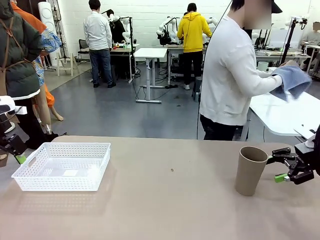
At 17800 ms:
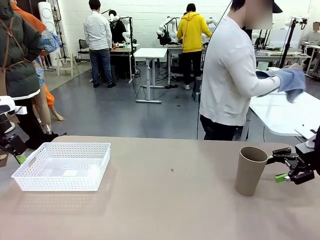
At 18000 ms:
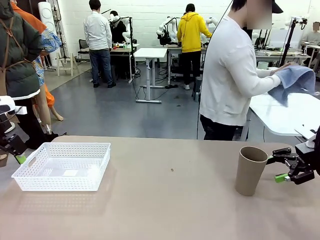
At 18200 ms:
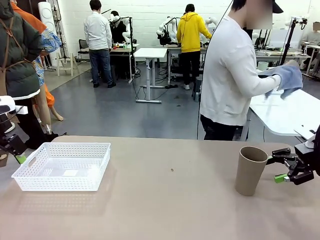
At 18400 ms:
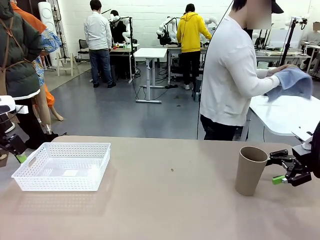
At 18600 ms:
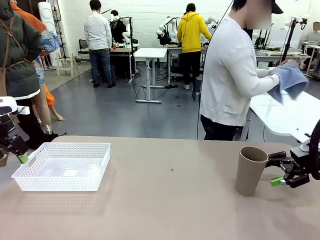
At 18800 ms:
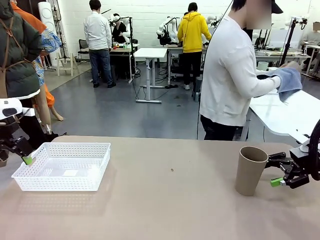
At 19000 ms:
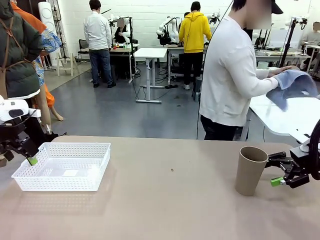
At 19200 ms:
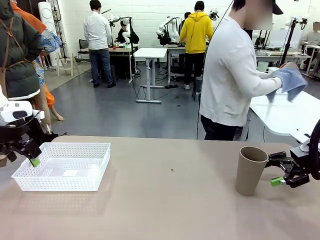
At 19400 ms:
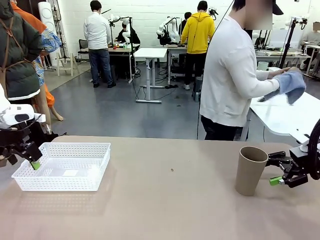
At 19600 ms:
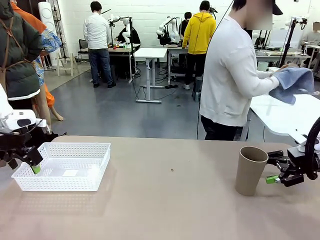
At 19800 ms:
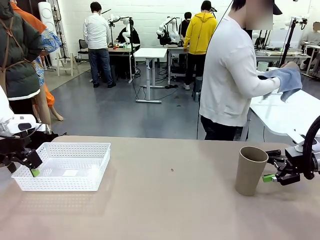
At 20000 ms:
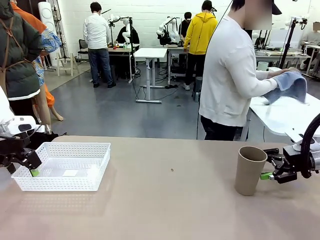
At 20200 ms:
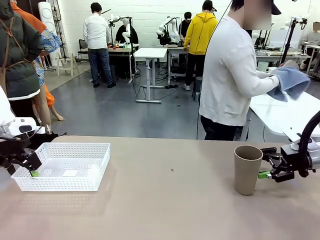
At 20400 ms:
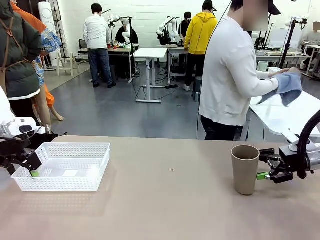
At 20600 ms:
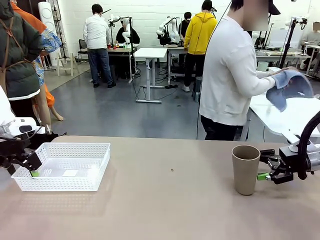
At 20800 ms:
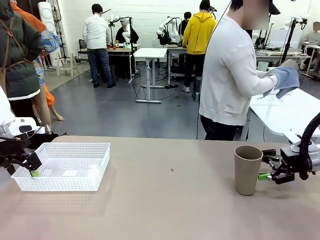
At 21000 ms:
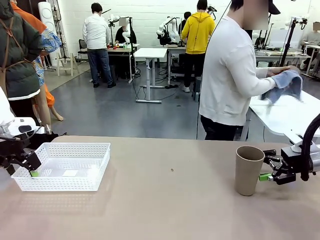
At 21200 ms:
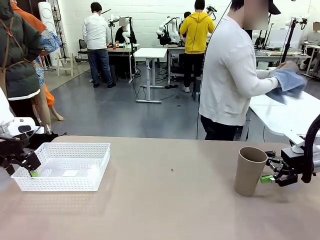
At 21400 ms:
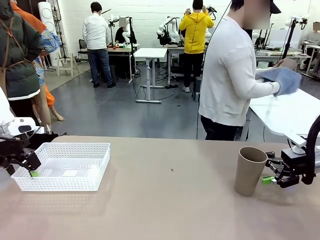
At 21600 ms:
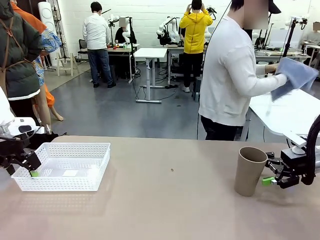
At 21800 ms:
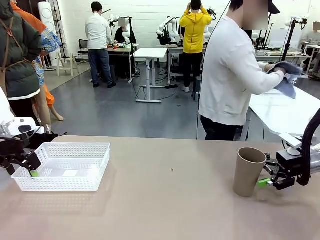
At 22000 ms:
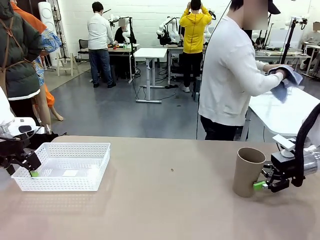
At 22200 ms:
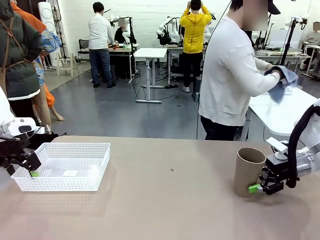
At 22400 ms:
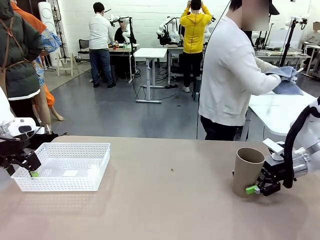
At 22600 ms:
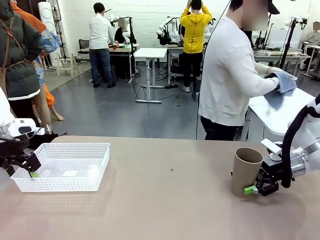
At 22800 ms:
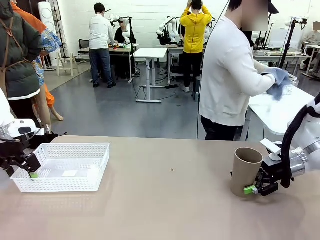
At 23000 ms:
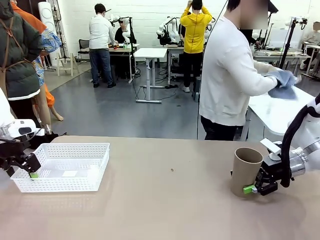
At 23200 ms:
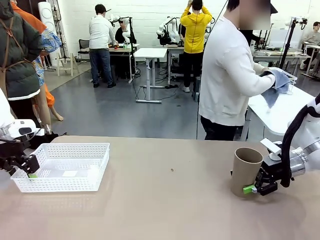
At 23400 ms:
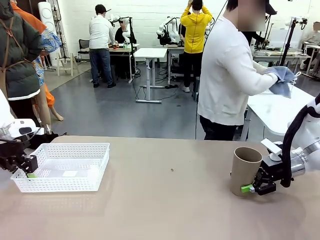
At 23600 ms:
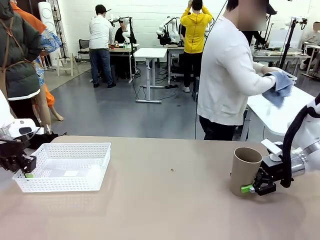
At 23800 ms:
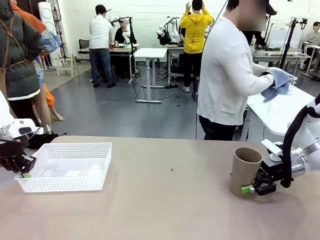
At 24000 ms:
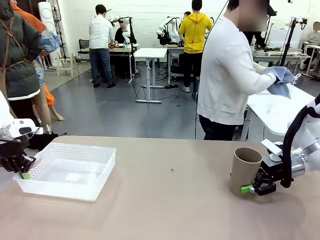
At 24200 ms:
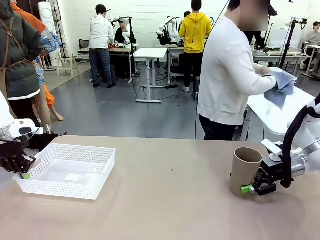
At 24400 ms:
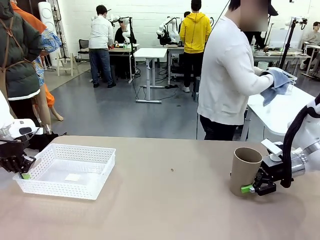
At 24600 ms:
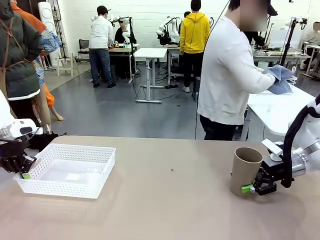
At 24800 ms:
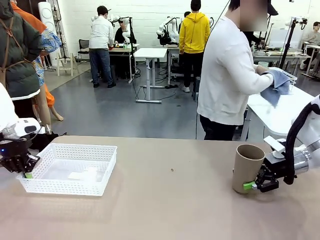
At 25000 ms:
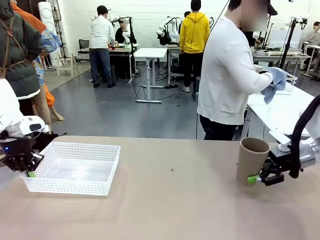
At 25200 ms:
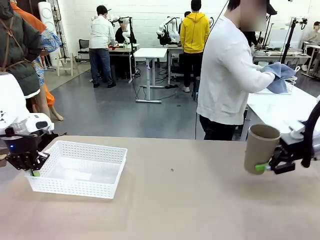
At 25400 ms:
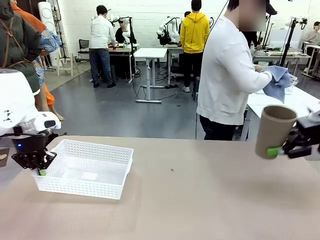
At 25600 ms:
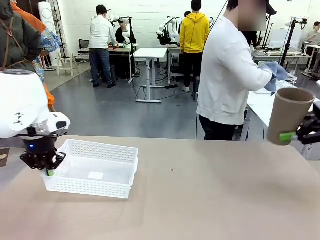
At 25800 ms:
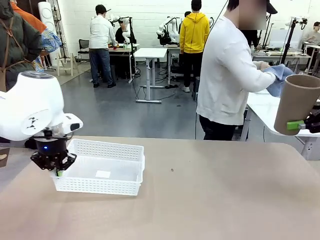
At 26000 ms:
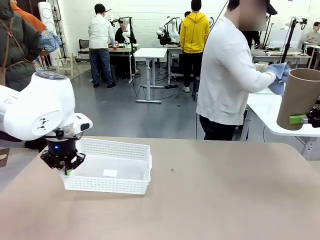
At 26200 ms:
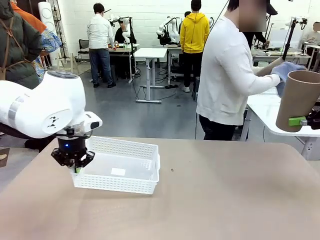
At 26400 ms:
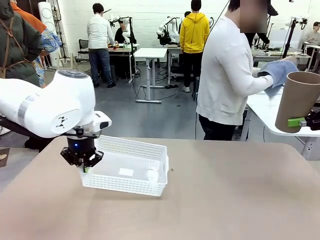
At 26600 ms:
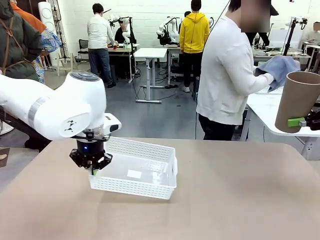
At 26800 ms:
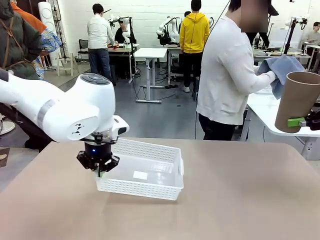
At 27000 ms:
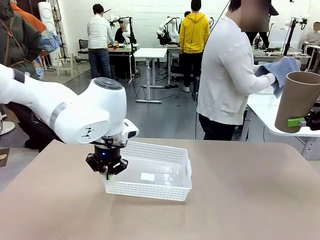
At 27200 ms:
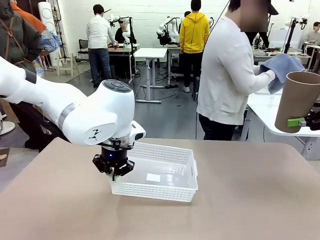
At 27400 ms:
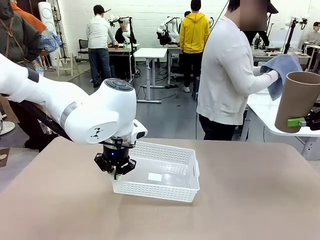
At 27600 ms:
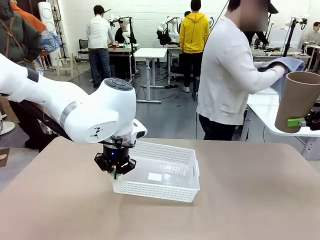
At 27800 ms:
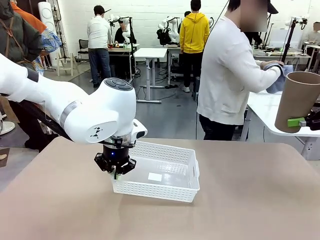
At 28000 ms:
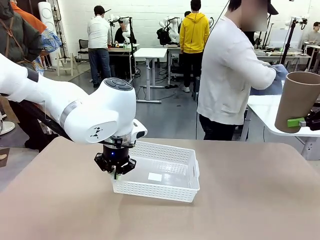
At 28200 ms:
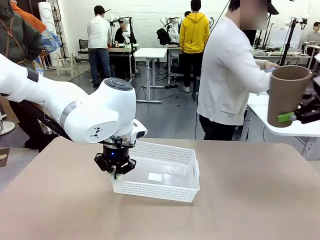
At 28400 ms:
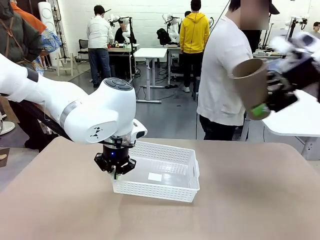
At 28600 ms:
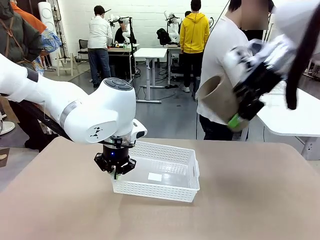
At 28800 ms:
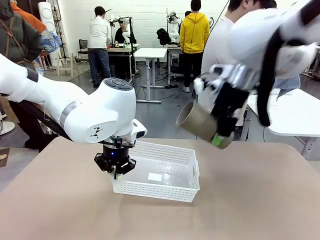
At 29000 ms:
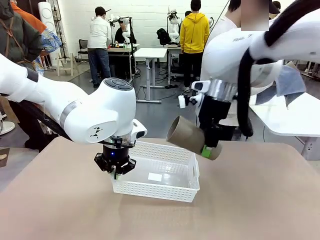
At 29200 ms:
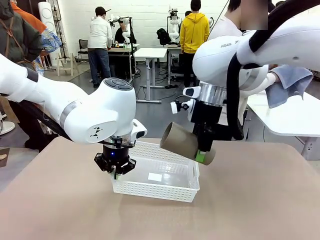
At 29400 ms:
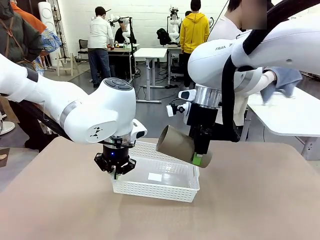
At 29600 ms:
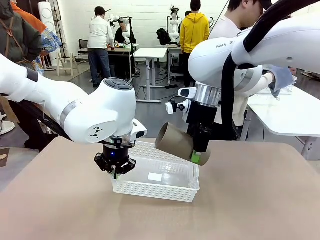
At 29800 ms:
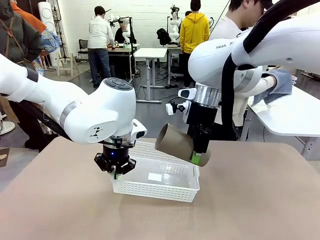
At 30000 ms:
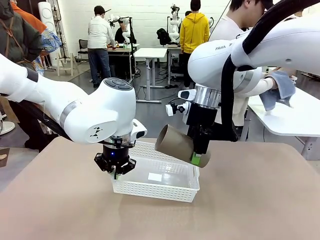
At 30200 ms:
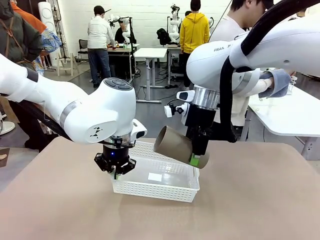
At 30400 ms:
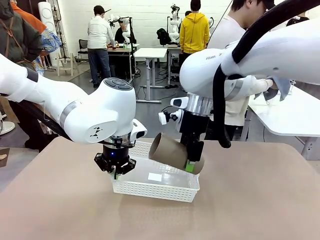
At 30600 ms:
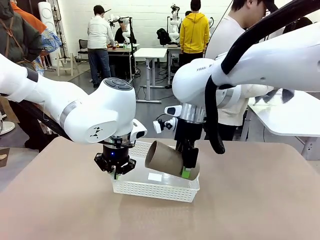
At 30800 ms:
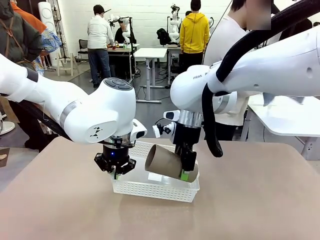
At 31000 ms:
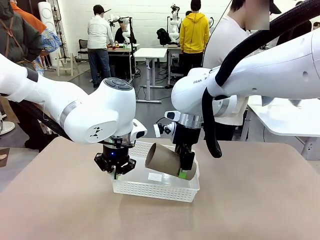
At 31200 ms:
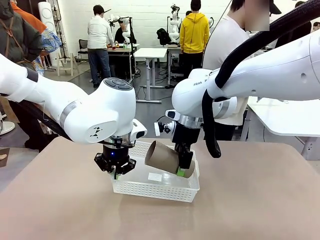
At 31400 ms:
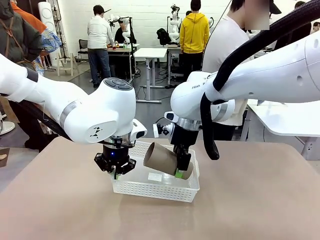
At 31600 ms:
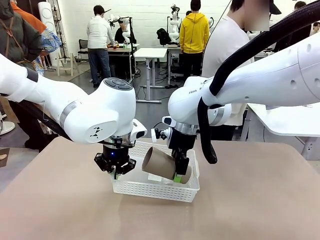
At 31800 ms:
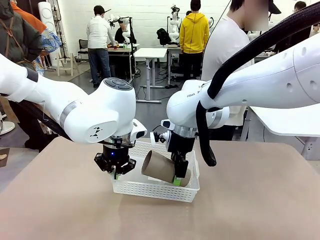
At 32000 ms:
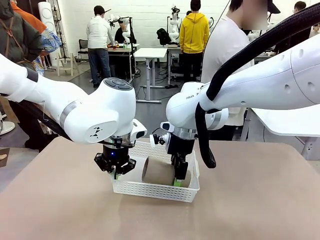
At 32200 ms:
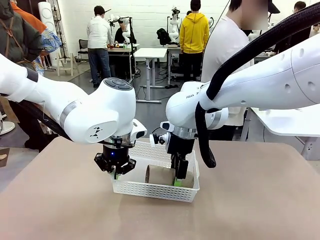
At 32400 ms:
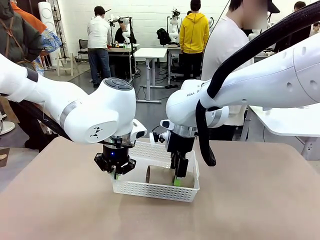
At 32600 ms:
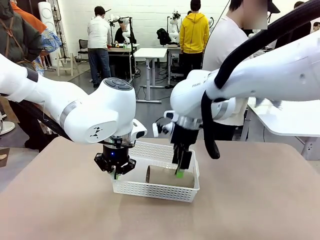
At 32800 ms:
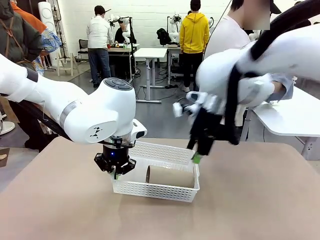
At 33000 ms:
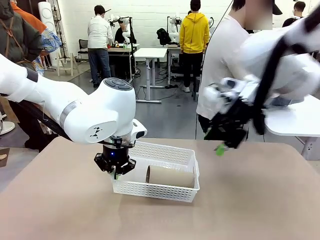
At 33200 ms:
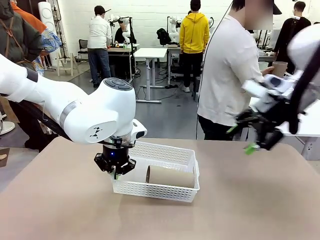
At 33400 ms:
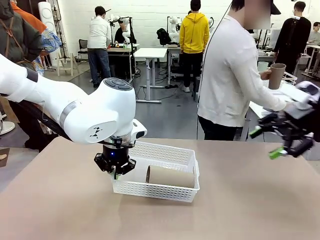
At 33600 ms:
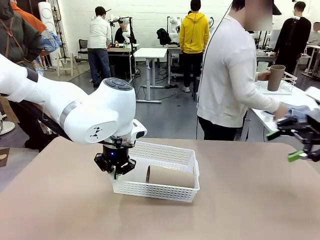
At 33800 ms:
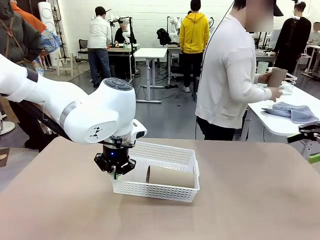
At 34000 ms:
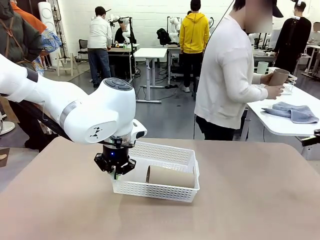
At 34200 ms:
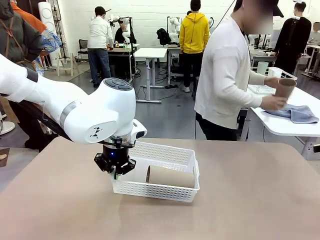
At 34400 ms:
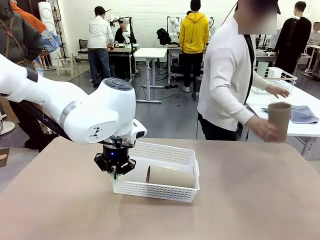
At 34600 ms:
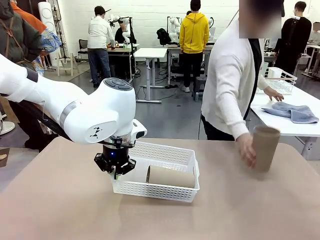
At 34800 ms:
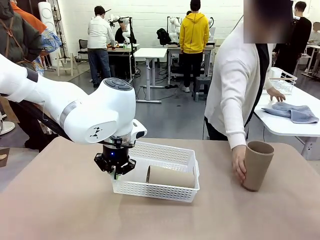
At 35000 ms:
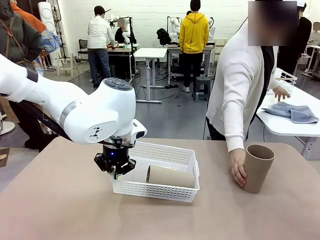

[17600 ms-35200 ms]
Task: Clean and organize the cups into the basket.
Robot: Pick up the Organizing basket and move it to the center of the table, then pick up the Reusable plastic cup from the right side of the table and place it inside the Organizing basket.
